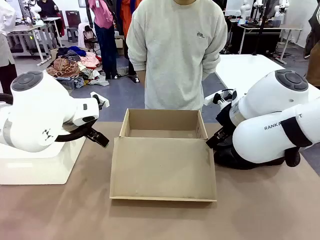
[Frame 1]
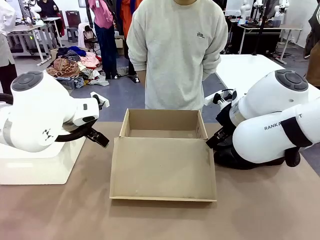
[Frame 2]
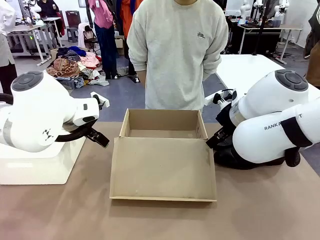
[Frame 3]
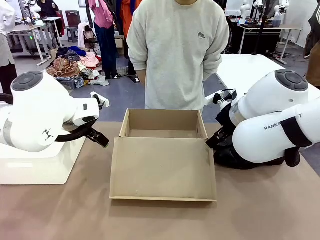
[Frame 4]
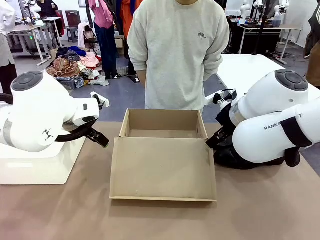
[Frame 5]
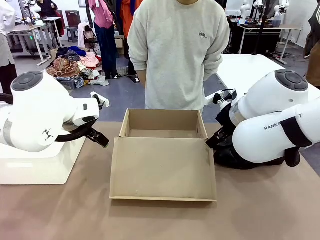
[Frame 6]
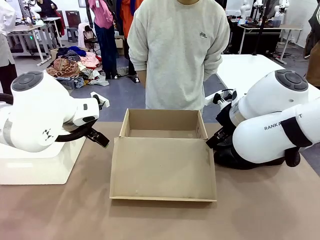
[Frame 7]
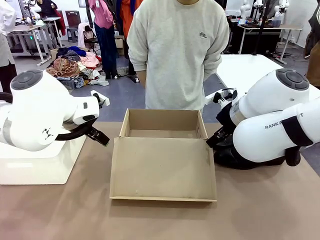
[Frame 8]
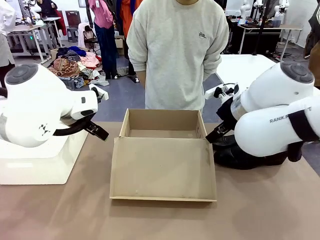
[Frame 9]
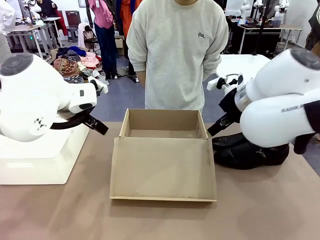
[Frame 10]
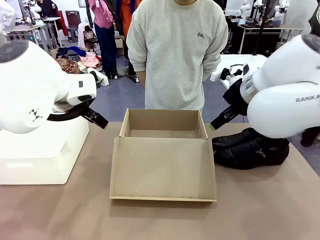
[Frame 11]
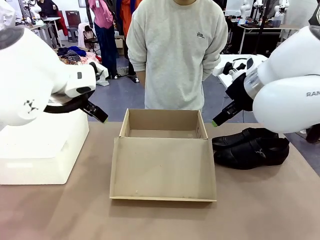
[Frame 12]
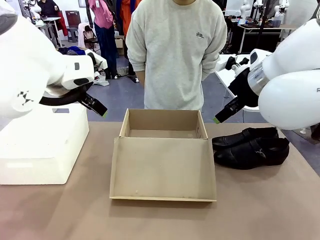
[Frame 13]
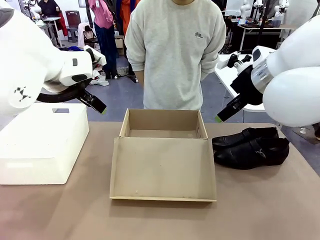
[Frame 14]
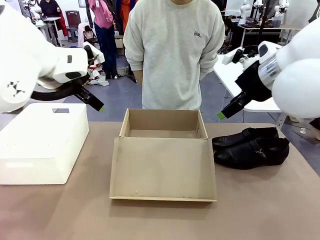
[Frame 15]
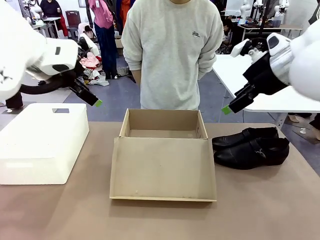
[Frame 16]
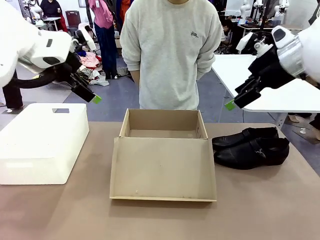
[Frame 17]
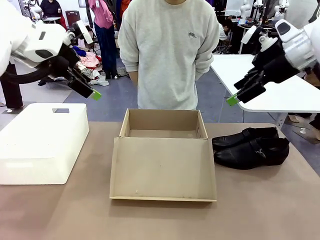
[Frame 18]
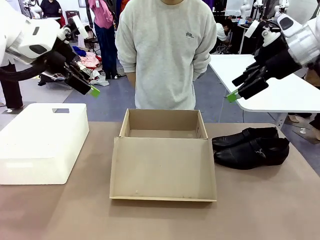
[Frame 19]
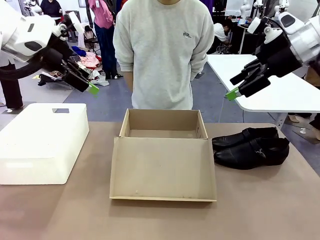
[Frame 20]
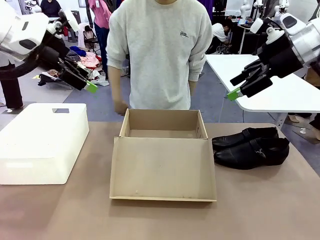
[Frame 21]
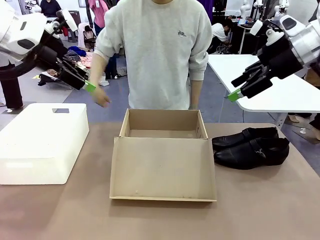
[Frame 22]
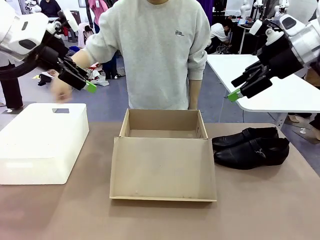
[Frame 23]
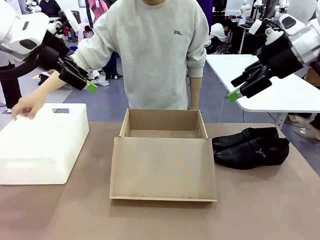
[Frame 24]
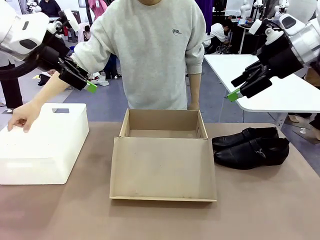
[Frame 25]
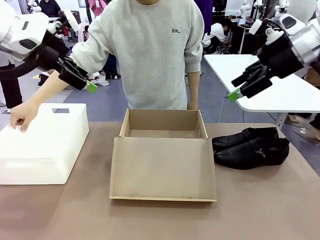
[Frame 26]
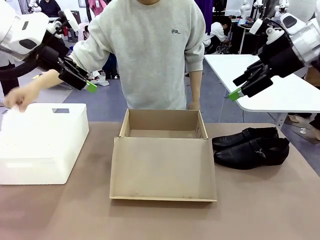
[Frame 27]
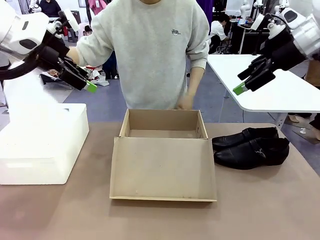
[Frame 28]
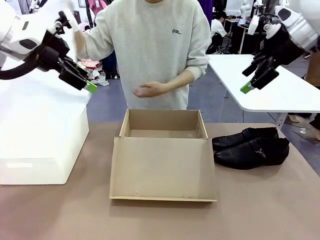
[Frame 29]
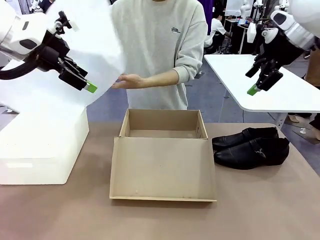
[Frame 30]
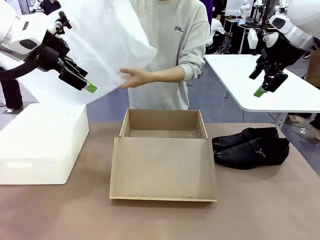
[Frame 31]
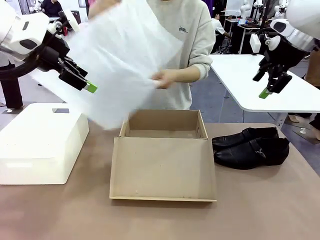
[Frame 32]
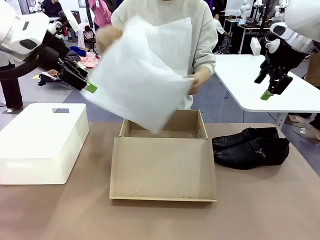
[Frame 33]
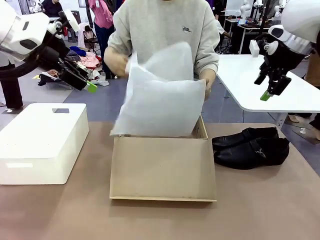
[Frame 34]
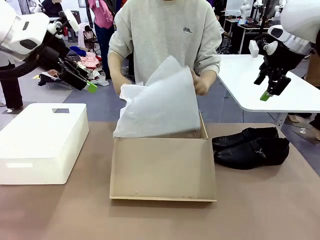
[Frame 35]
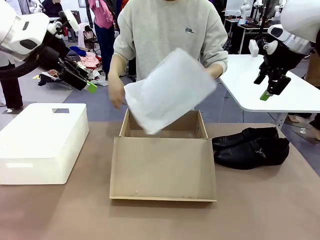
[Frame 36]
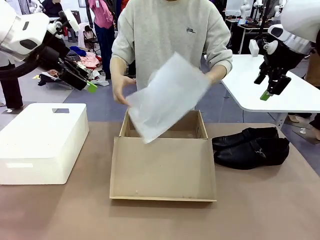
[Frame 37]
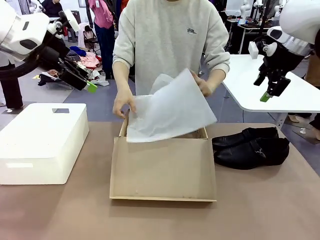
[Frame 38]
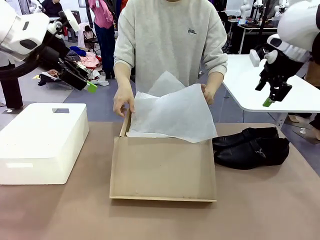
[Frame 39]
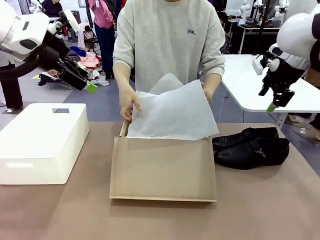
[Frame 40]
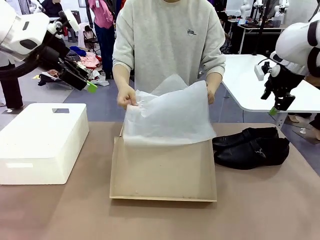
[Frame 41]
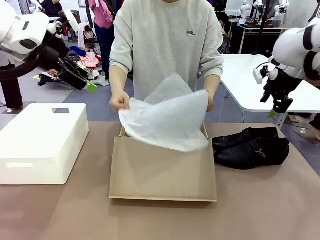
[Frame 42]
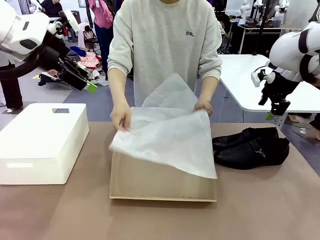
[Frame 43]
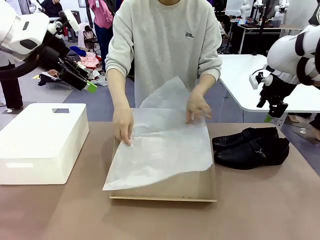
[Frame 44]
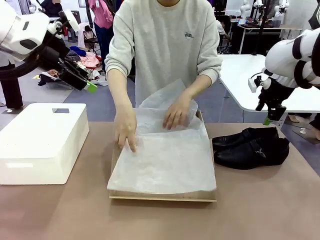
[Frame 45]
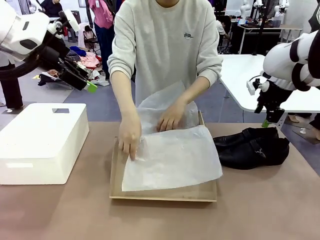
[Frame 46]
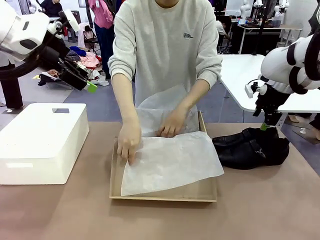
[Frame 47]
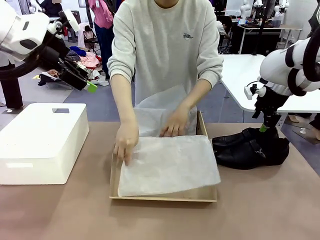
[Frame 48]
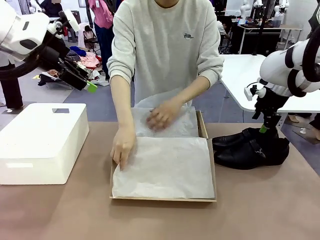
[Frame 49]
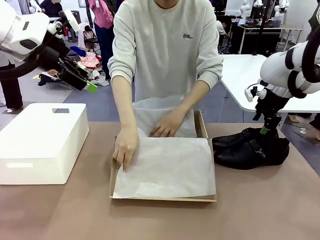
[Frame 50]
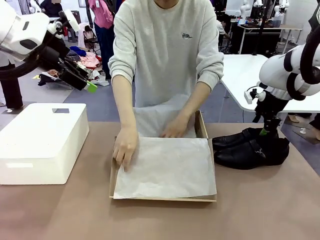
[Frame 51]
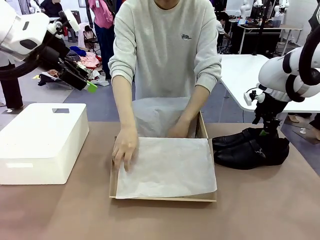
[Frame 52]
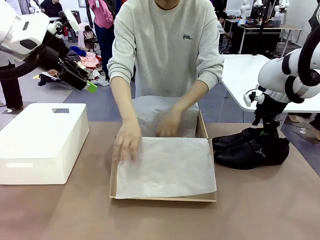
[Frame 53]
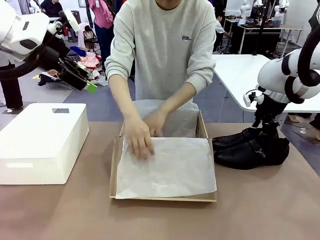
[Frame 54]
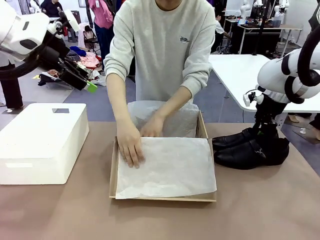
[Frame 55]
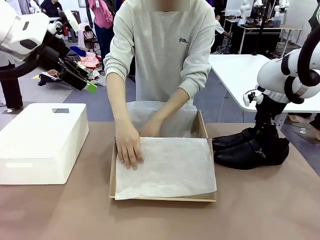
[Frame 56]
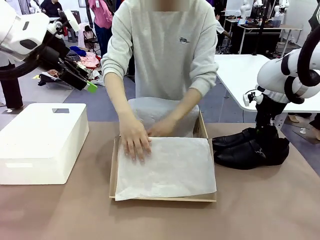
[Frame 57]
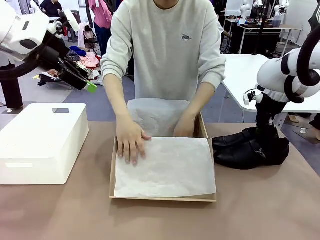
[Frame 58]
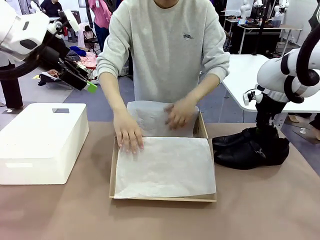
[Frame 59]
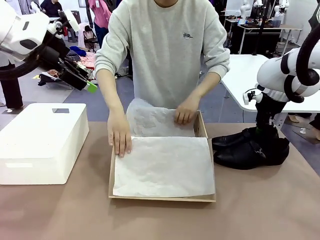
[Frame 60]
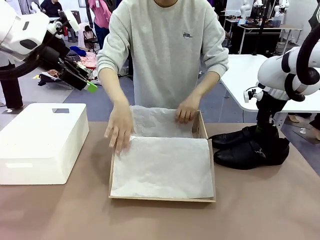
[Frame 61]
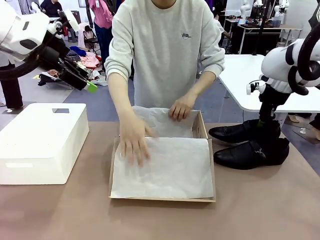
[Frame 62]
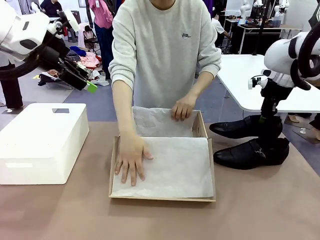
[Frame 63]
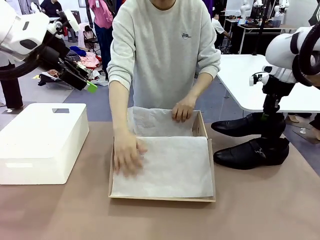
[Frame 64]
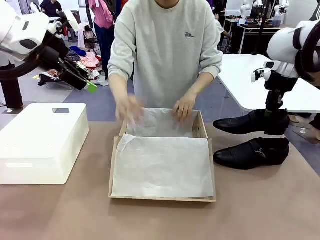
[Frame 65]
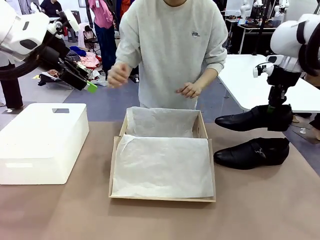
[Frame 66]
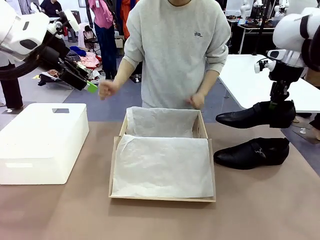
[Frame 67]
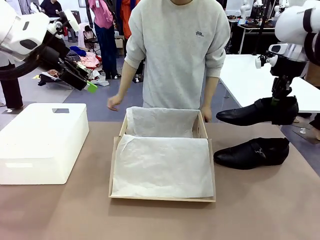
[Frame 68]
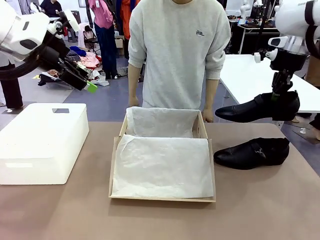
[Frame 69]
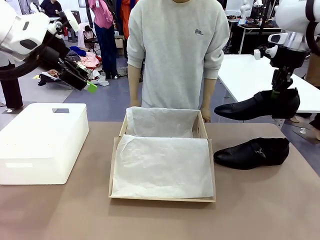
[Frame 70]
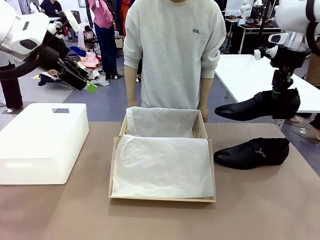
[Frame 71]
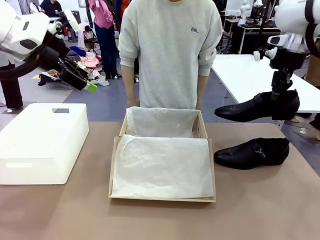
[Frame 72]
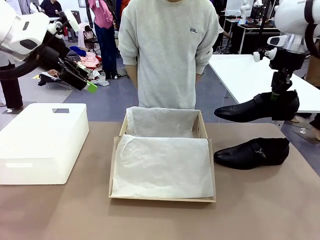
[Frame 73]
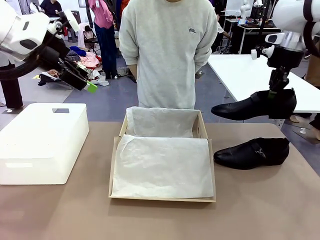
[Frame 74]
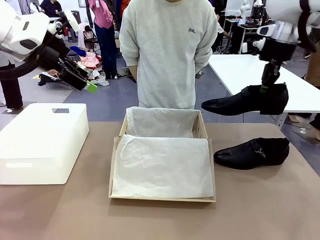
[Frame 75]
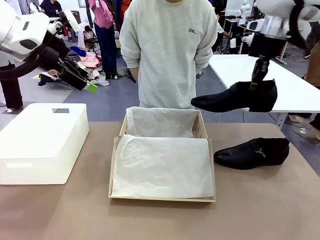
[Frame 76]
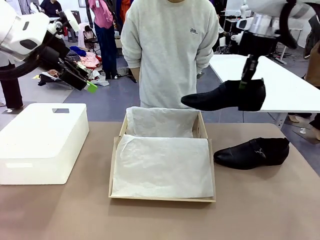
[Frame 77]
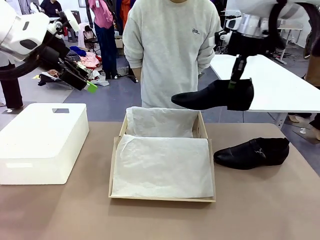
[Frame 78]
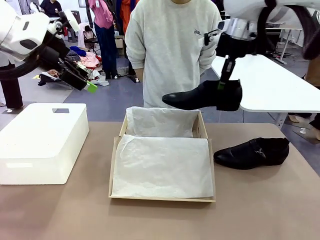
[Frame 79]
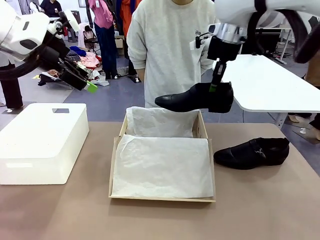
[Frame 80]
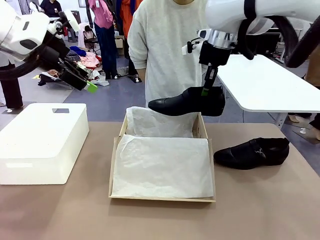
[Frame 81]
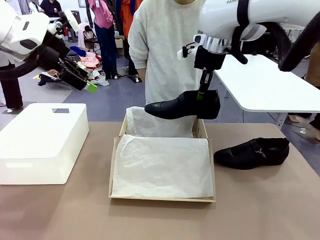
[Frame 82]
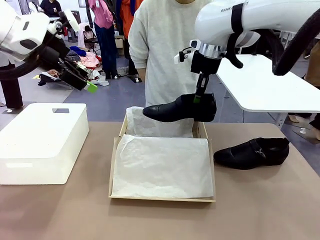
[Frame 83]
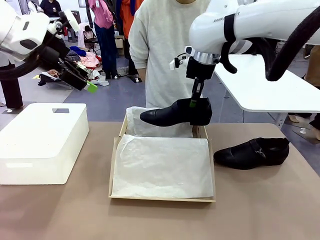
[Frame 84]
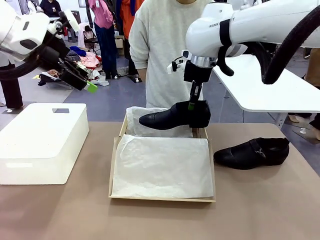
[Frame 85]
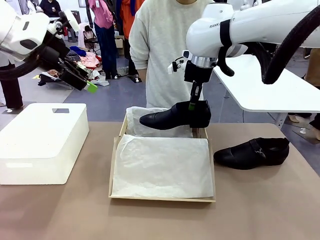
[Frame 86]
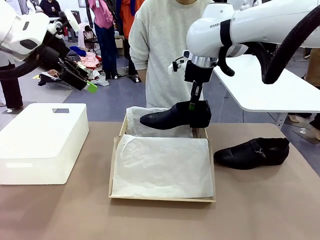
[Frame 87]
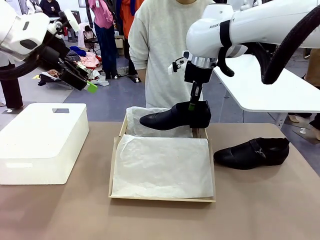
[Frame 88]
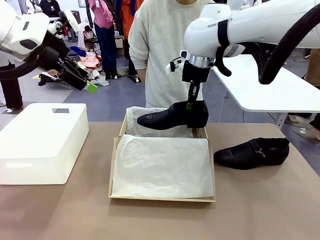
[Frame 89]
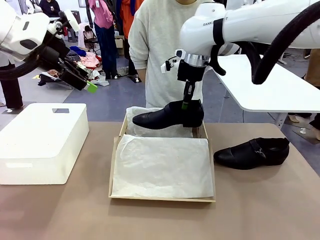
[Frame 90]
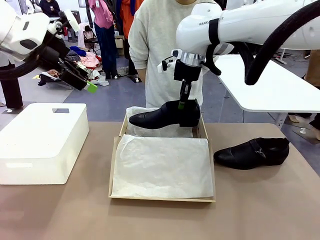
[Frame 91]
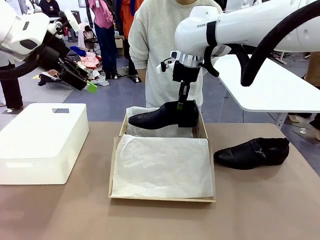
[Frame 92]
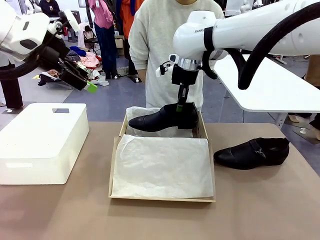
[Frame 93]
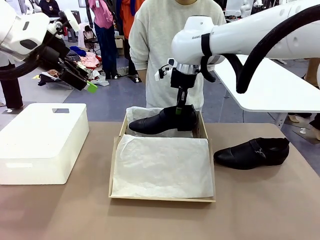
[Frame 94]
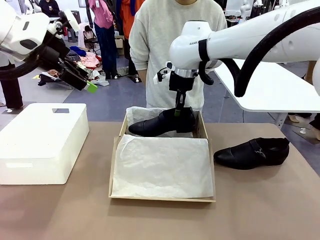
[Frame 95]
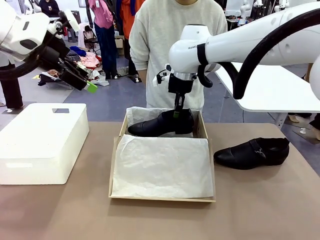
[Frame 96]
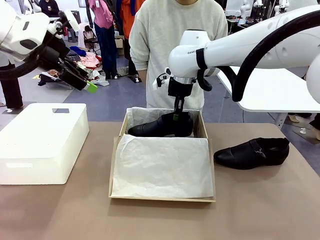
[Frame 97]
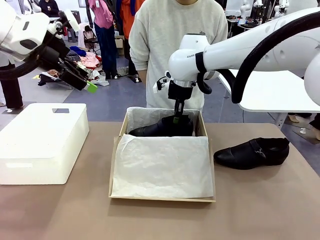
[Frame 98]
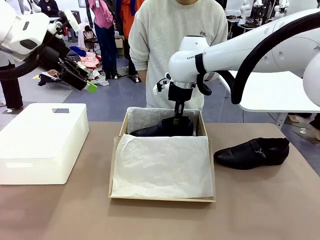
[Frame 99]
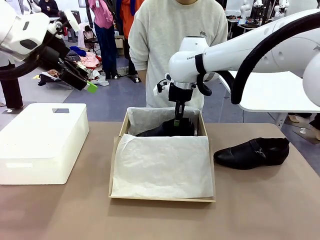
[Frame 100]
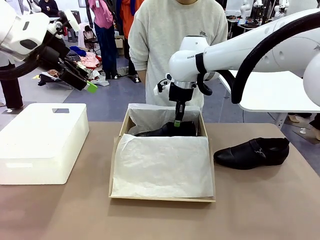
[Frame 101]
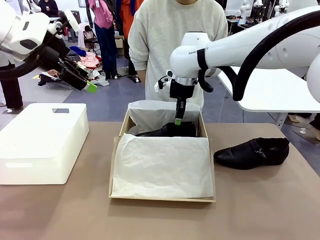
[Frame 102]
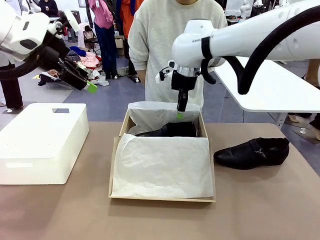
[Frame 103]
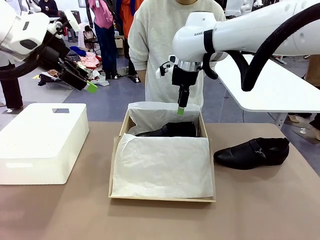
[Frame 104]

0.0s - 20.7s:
Task: Pack the shoes into the box.
Robot: Place one shoe of the Shoes into the Shoes Box.
Person: Spread Shoes Wrapping Paper and place inside the Shoes Box.
